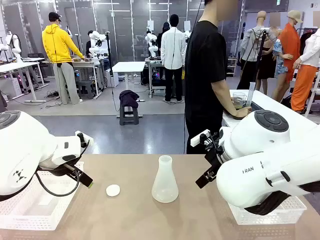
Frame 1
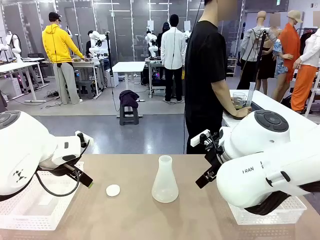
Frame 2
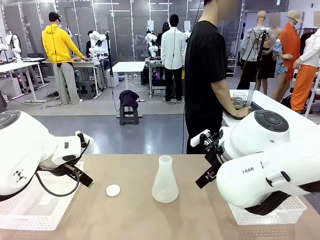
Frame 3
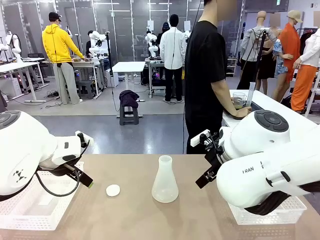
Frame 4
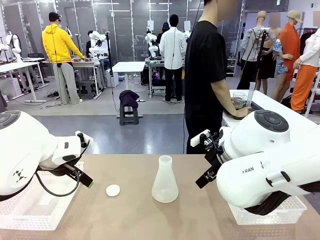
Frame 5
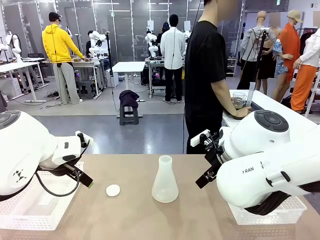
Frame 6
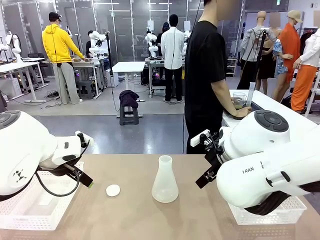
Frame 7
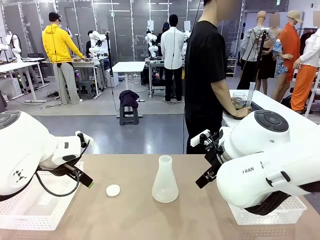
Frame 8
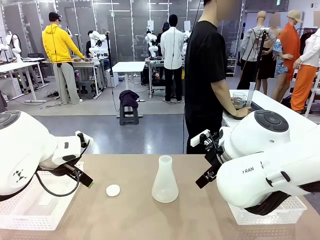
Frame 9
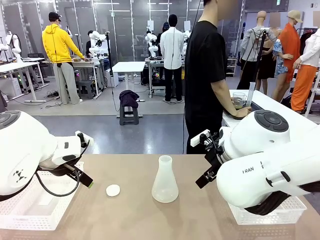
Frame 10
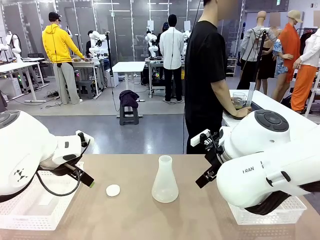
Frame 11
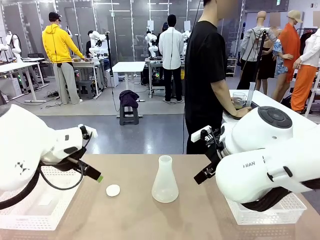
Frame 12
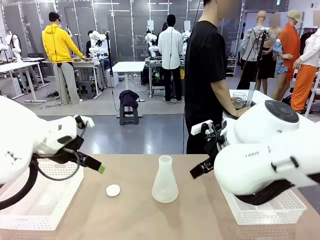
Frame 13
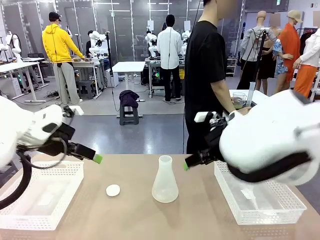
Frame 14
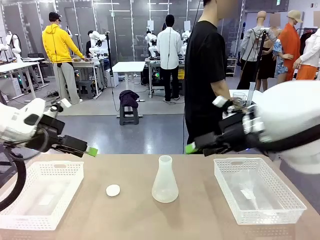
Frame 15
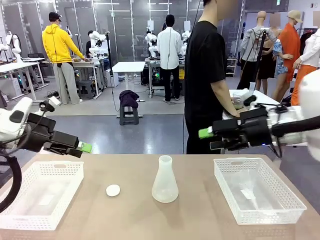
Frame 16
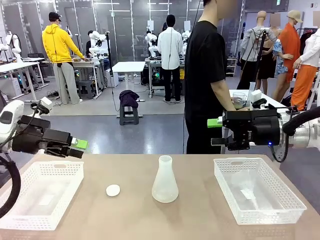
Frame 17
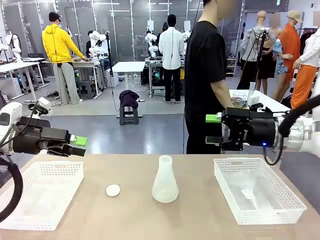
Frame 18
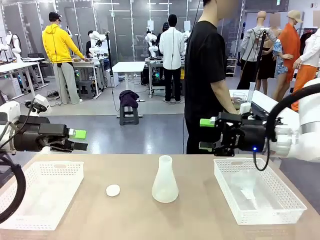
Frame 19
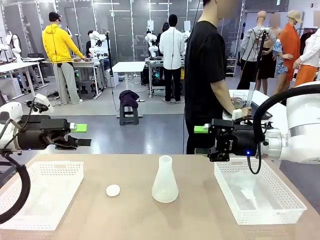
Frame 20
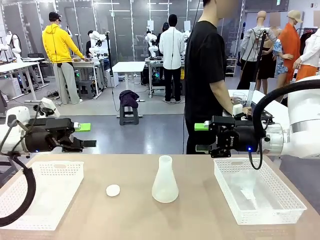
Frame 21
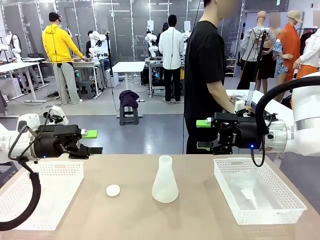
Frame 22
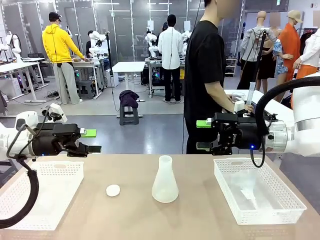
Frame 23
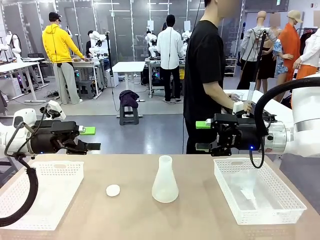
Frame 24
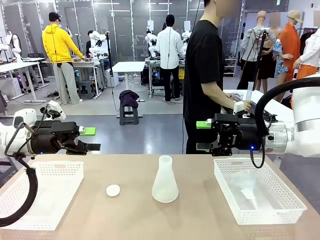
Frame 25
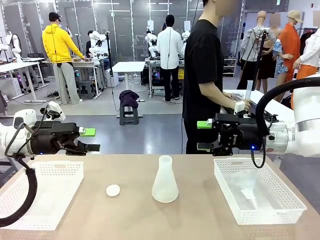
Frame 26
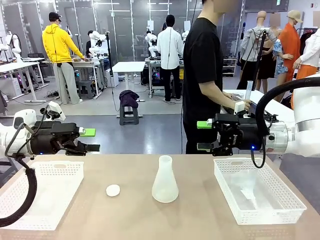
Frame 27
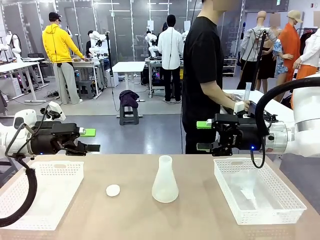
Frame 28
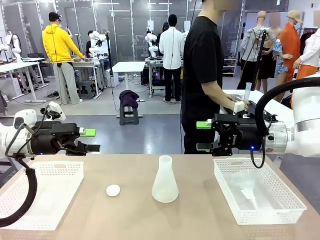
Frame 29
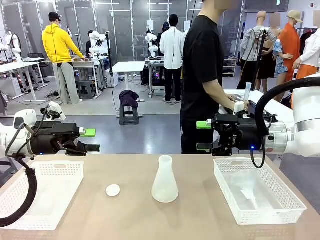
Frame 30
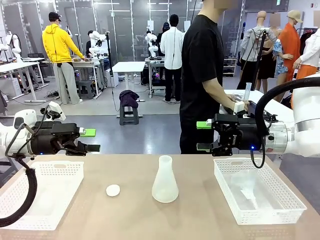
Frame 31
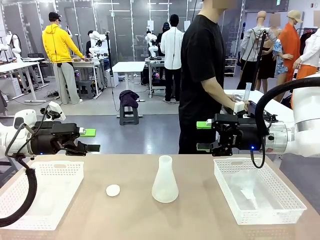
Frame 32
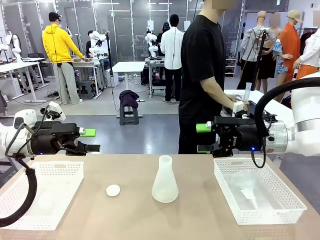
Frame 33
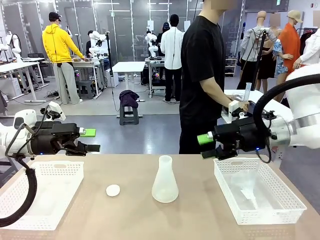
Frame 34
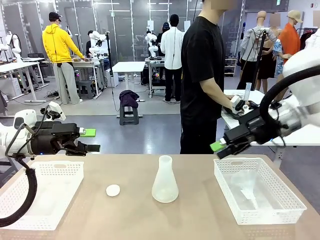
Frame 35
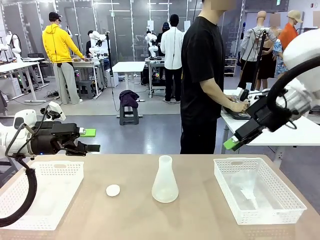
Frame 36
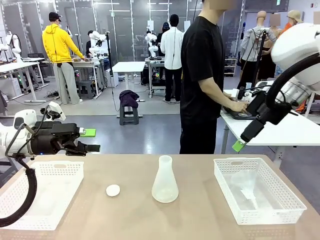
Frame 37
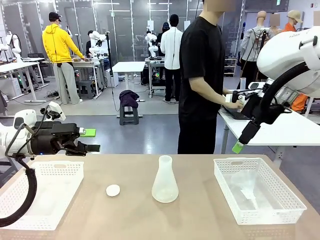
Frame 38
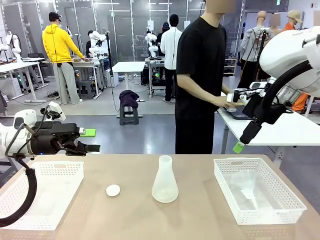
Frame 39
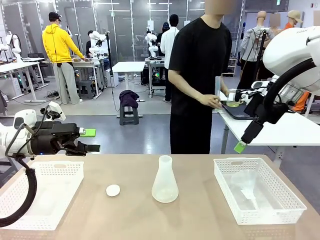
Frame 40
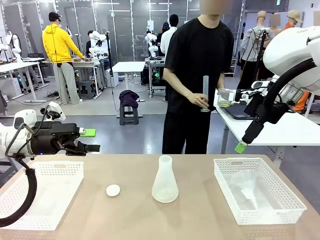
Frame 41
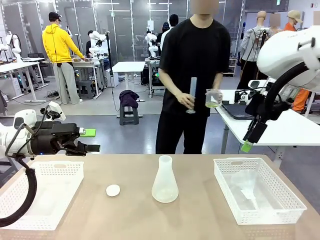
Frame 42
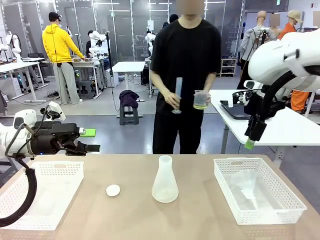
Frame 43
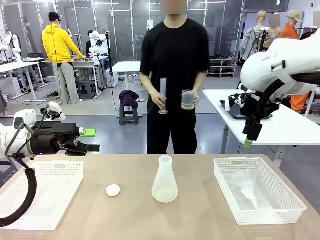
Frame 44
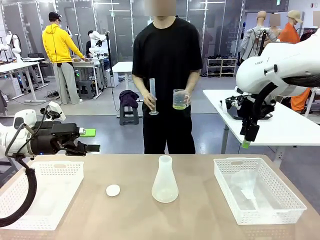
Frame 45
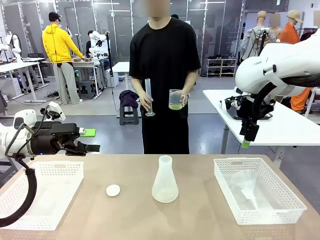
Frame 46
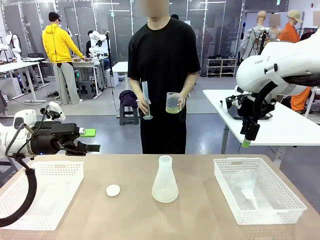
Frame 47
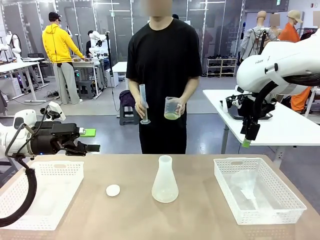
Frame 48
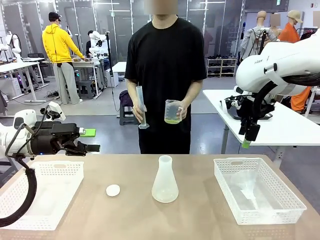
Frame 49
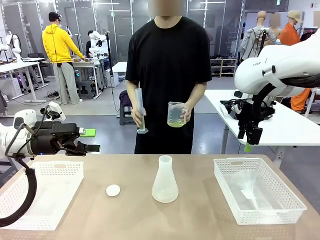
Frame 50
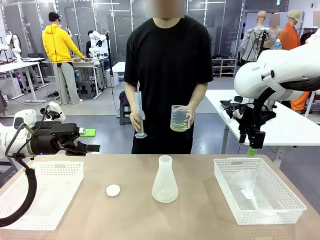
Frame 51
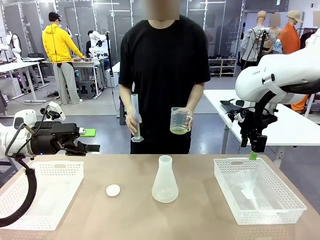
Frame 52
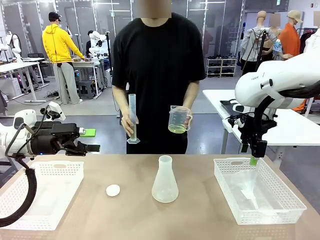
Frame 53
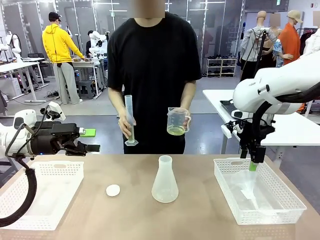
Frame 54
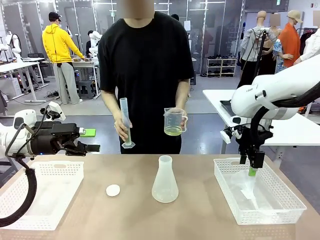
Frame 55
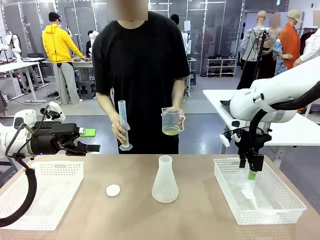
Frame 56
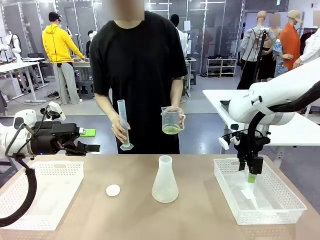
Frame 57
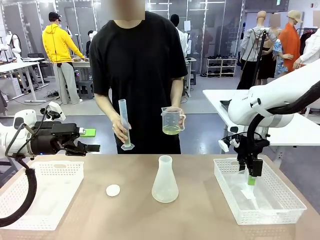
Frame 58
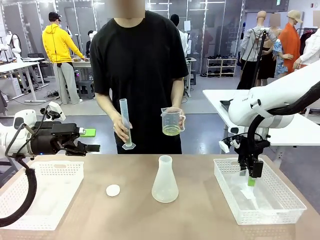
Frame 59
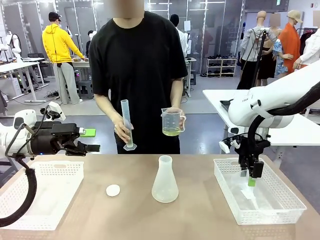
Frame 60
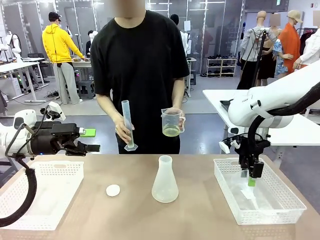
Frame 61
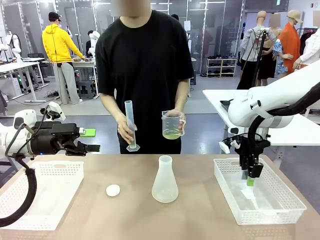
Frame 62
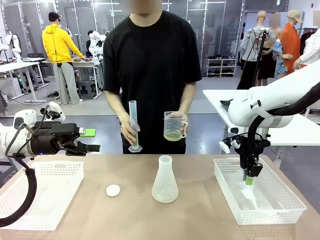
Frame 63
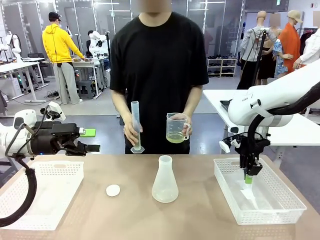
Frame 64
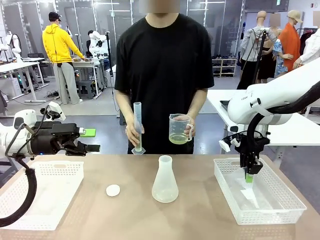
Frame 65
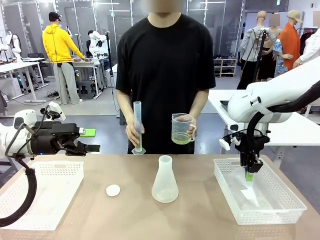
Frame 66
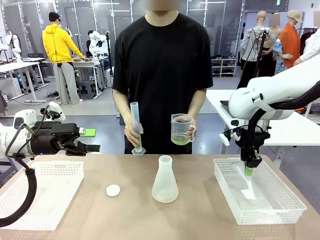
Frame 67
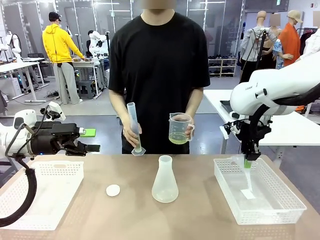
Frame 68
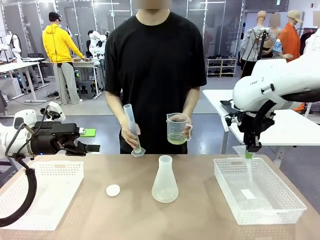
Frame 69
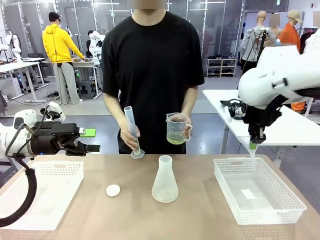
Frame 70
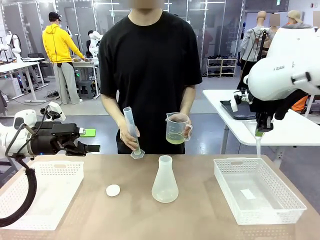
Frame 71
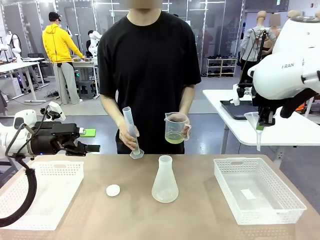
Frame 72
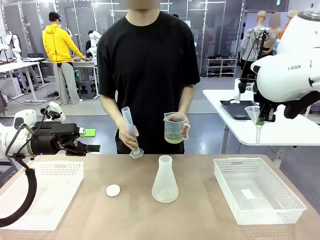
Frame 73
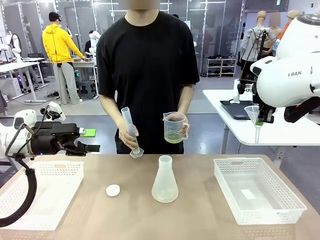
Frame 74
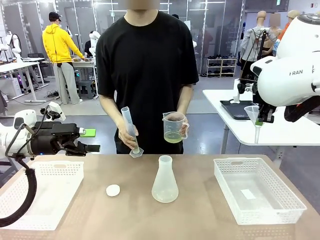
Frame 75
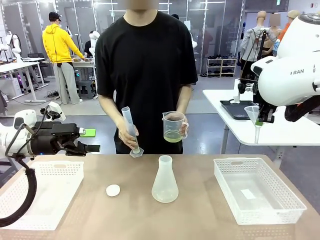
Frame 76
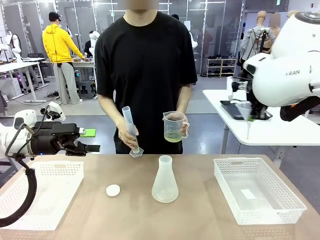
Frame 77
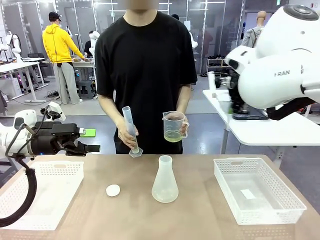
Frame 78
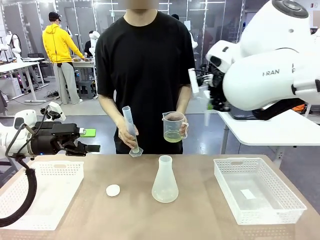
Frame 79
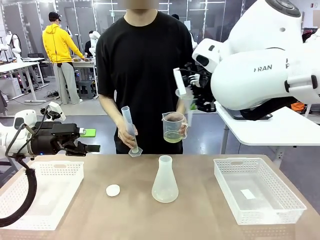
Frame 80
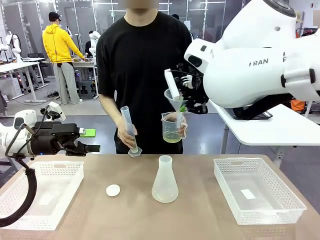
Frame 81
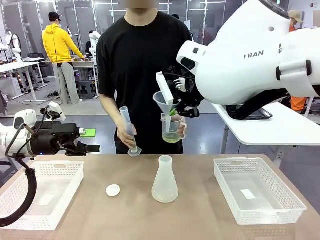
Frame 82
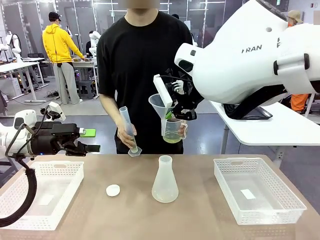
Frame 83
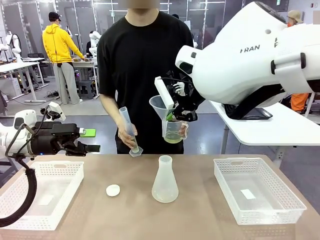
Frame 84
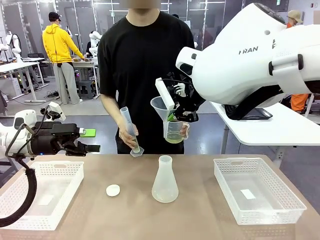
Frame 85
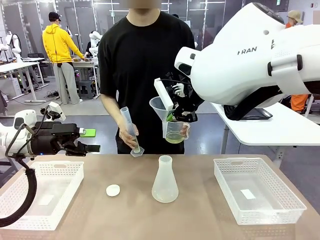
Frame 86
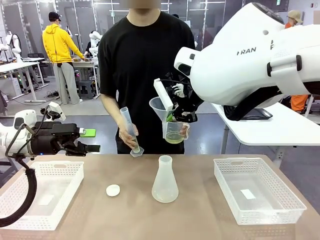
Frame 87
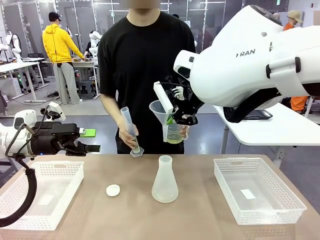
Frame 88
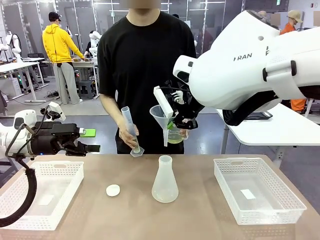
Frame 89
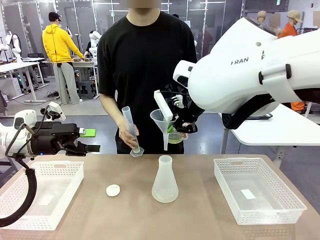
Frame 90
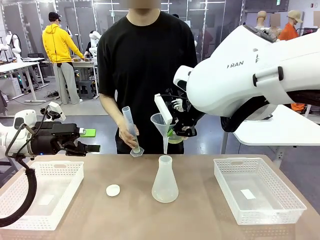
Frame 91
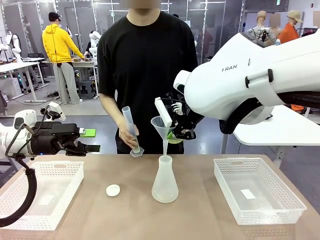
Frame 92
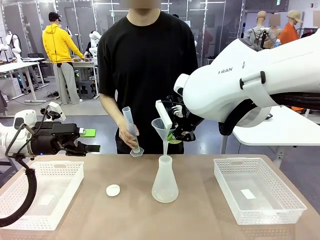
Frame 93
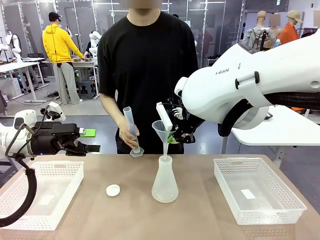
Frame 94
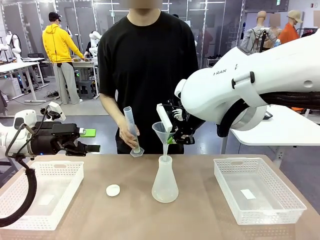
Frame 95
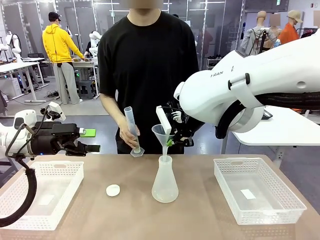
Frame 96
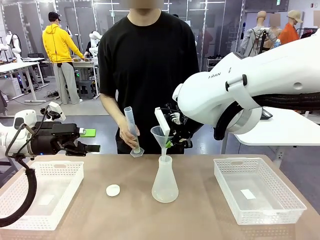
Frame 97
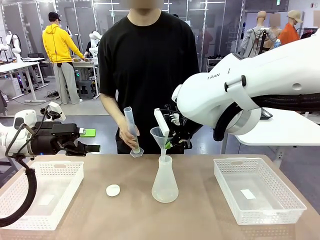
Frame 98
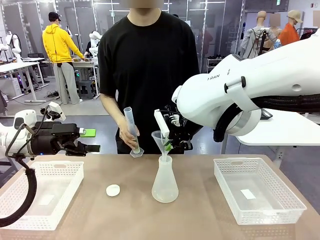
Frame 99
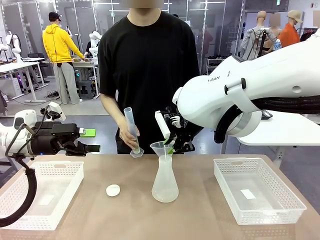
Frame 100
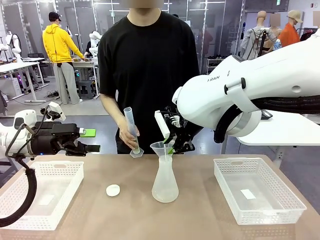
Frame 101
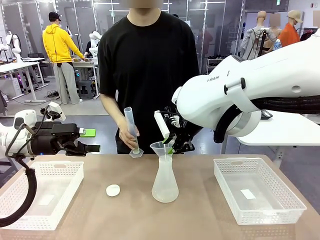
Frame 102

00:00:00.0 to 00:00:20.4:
Task: Prepare the solutions needed for the experiment.
Robot: Pick up the Plastic Funnel and insert it into the Big flask.
Person: Pick up the beaker and the cylinder and move to the middle of the robot table. Pour the solution from the beaker and the cylinder into the flask.
